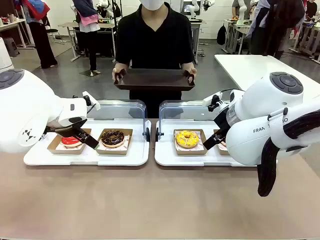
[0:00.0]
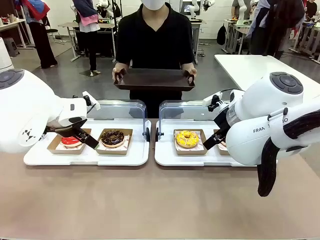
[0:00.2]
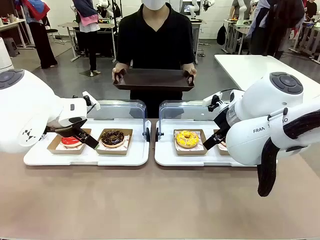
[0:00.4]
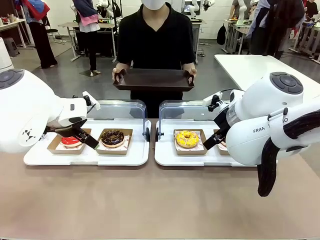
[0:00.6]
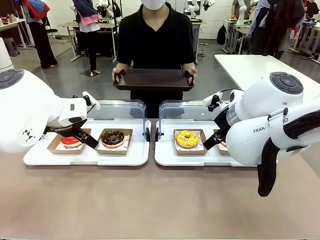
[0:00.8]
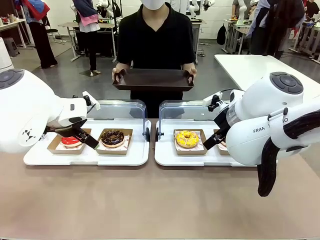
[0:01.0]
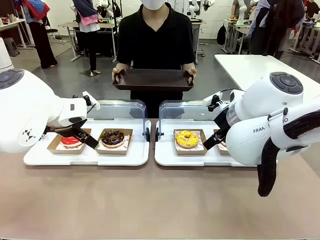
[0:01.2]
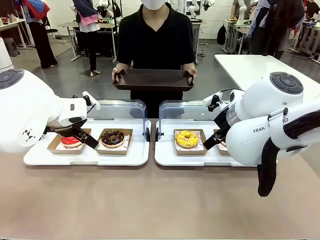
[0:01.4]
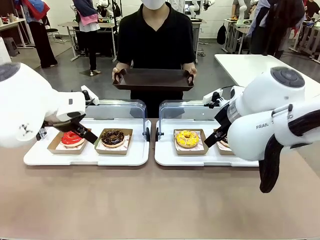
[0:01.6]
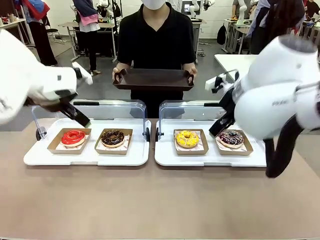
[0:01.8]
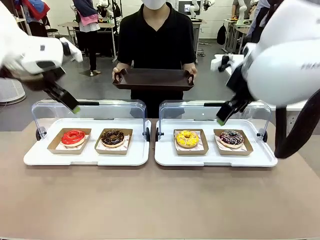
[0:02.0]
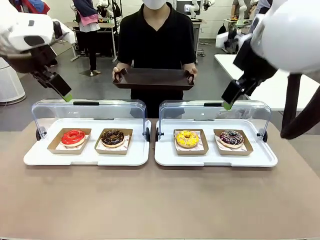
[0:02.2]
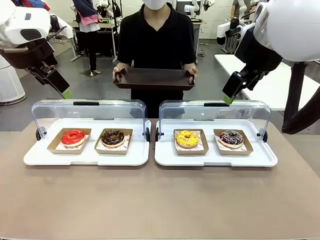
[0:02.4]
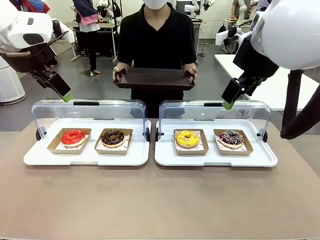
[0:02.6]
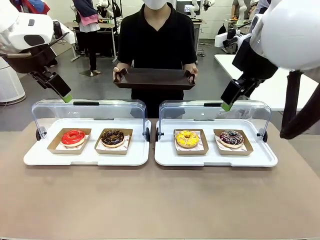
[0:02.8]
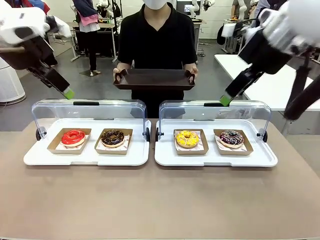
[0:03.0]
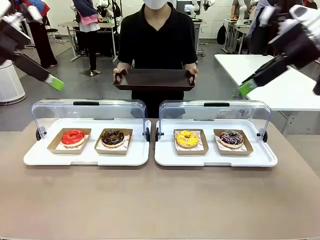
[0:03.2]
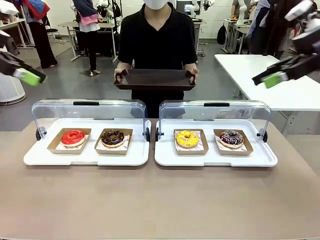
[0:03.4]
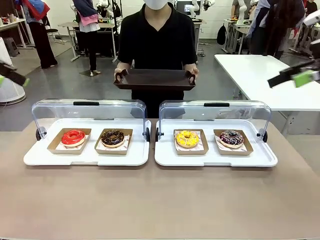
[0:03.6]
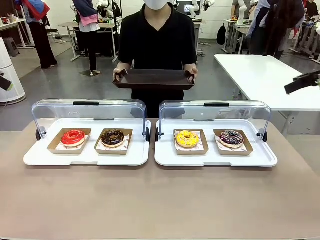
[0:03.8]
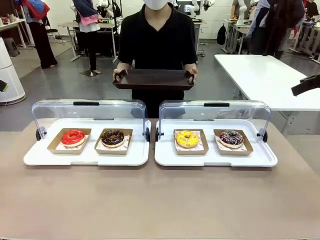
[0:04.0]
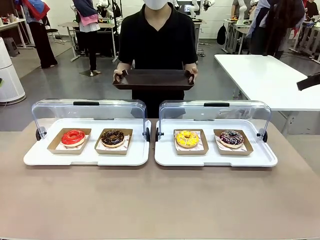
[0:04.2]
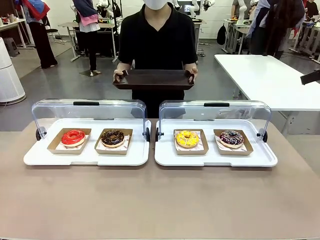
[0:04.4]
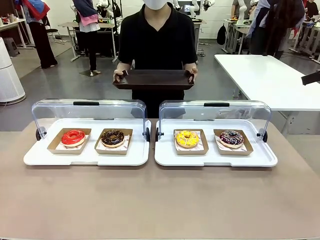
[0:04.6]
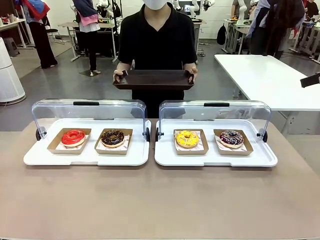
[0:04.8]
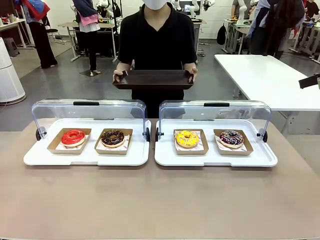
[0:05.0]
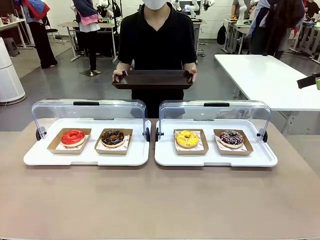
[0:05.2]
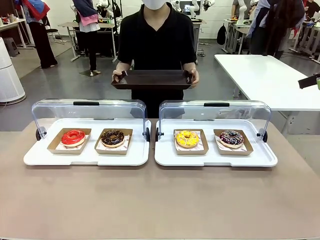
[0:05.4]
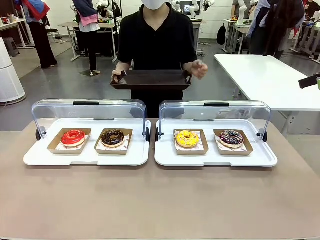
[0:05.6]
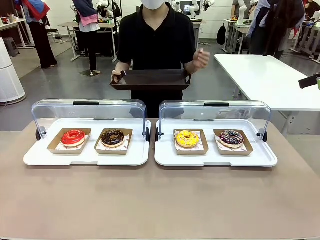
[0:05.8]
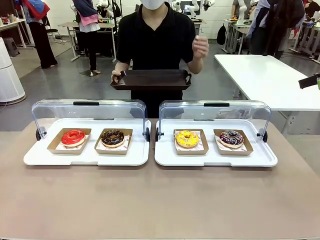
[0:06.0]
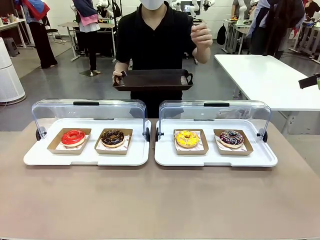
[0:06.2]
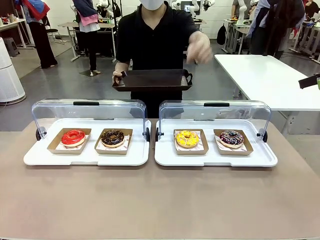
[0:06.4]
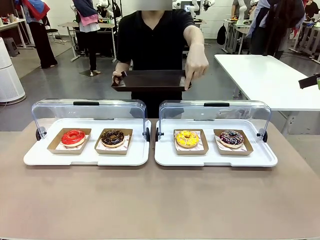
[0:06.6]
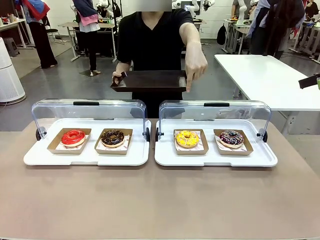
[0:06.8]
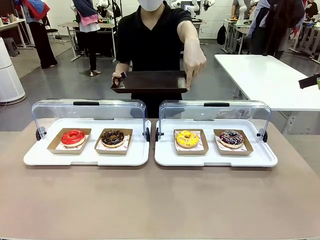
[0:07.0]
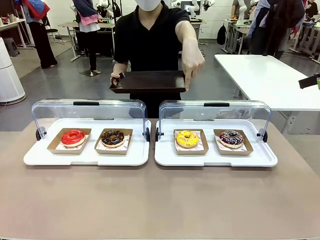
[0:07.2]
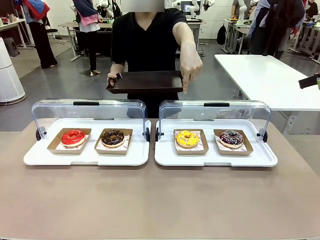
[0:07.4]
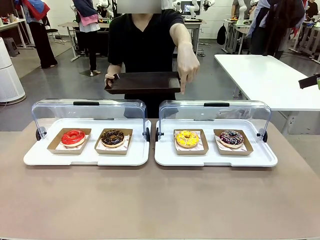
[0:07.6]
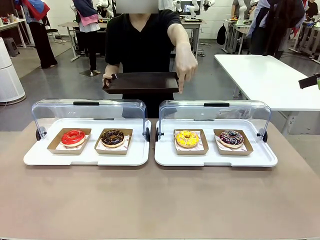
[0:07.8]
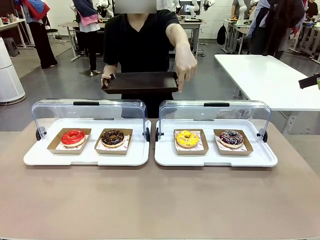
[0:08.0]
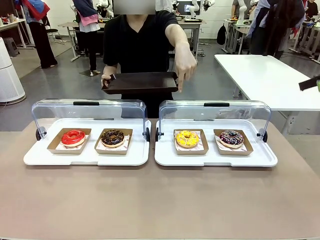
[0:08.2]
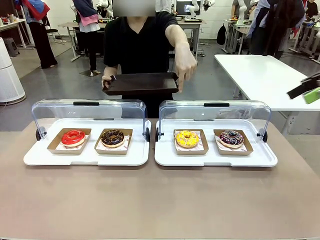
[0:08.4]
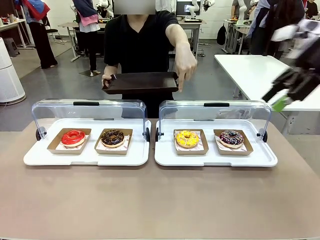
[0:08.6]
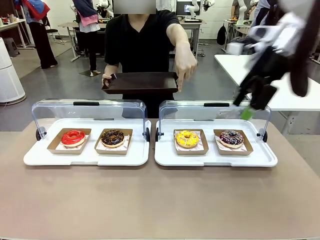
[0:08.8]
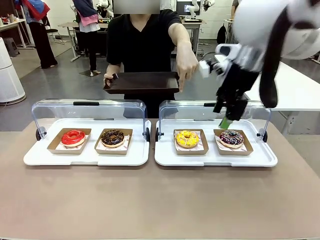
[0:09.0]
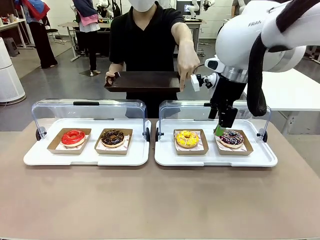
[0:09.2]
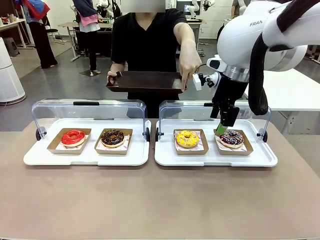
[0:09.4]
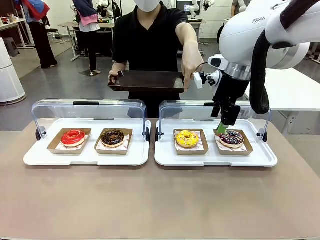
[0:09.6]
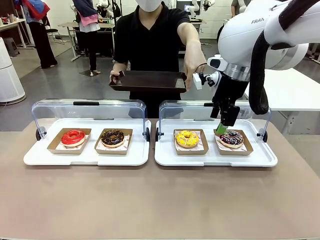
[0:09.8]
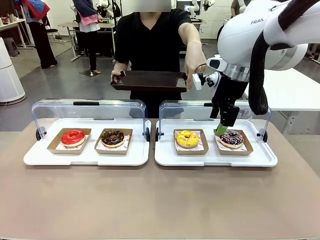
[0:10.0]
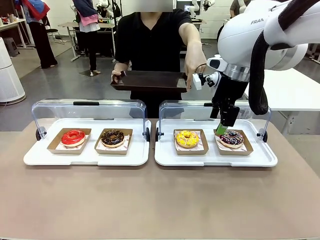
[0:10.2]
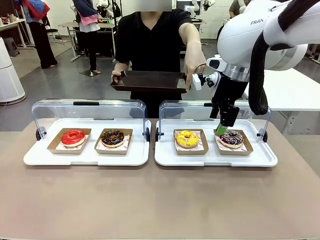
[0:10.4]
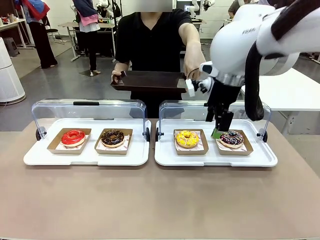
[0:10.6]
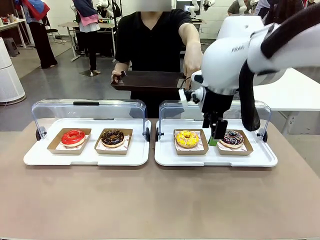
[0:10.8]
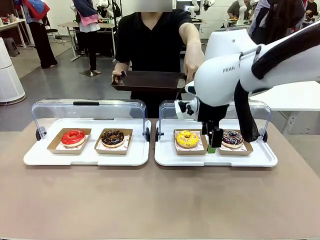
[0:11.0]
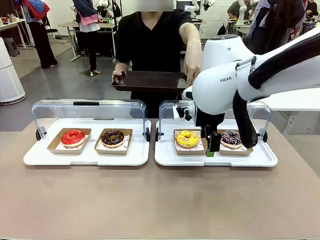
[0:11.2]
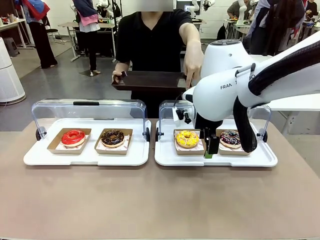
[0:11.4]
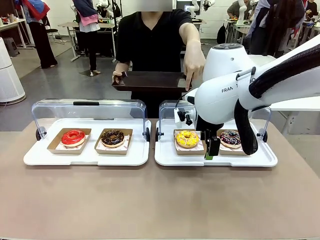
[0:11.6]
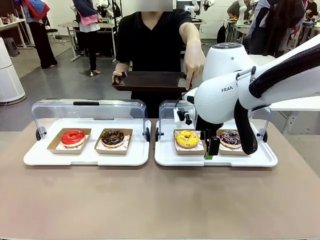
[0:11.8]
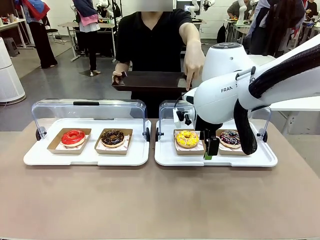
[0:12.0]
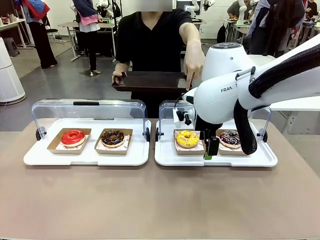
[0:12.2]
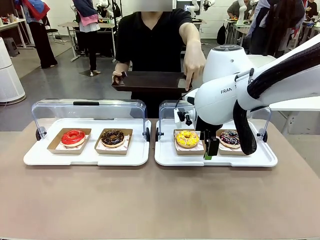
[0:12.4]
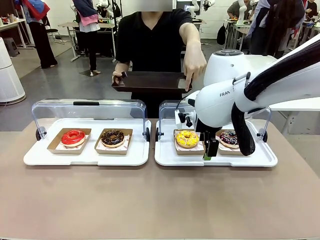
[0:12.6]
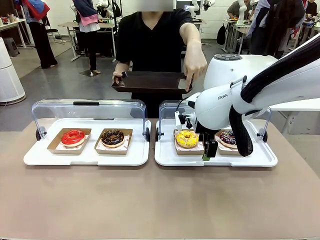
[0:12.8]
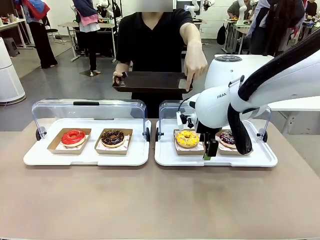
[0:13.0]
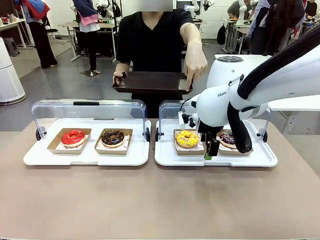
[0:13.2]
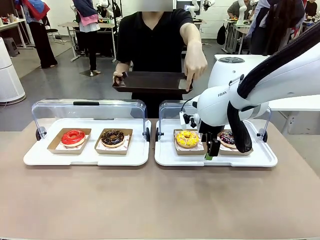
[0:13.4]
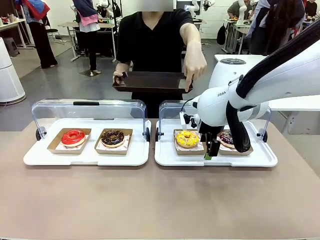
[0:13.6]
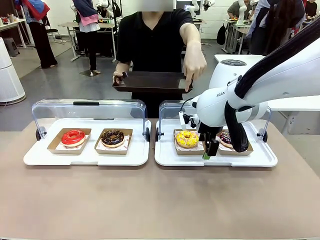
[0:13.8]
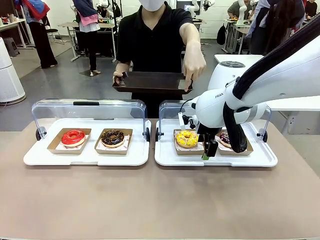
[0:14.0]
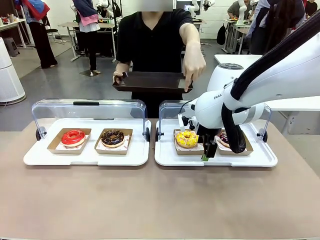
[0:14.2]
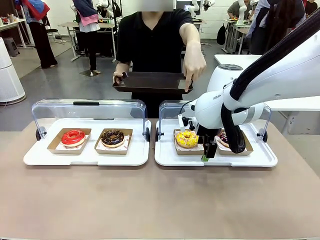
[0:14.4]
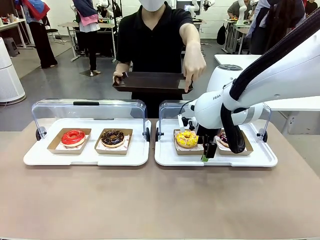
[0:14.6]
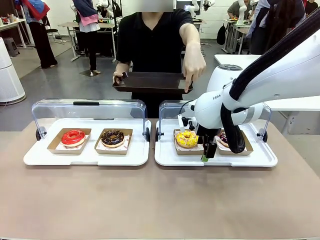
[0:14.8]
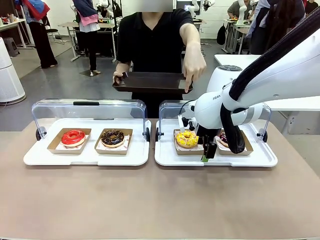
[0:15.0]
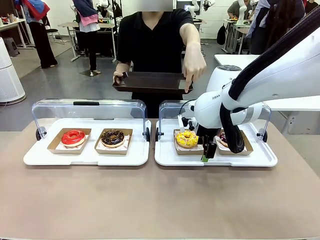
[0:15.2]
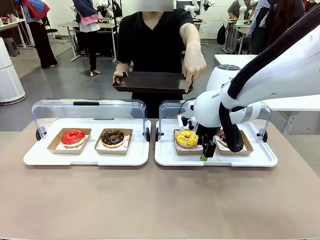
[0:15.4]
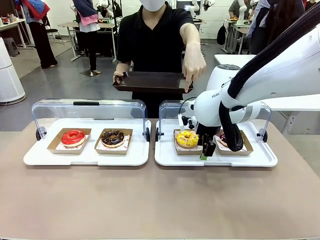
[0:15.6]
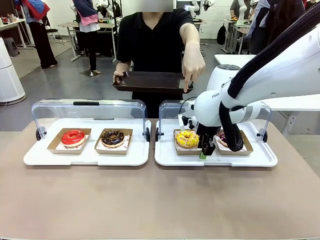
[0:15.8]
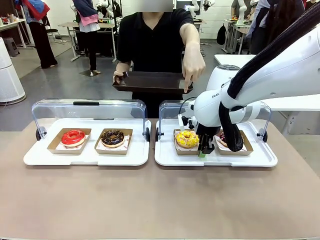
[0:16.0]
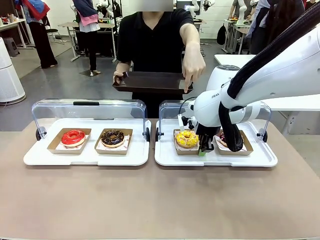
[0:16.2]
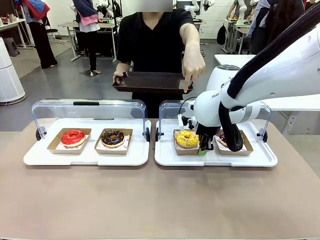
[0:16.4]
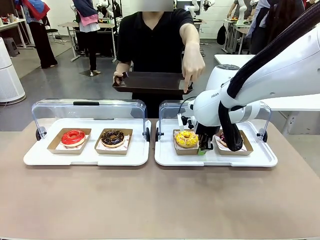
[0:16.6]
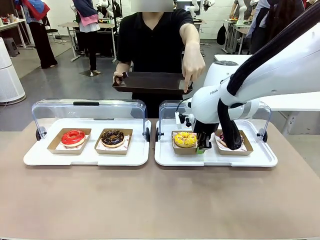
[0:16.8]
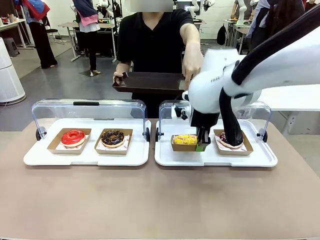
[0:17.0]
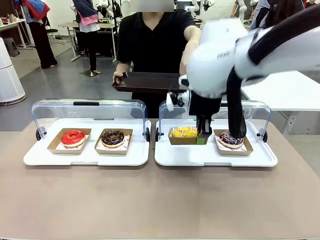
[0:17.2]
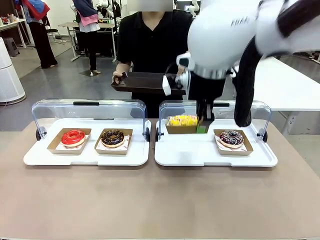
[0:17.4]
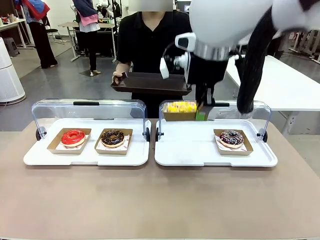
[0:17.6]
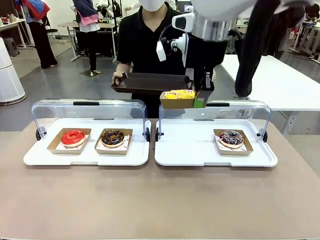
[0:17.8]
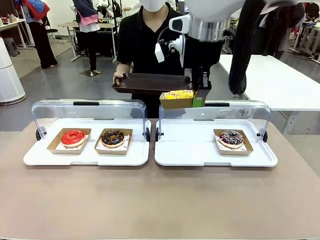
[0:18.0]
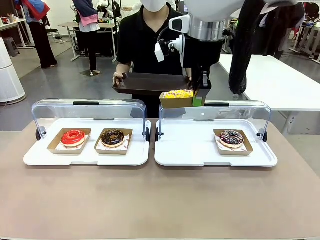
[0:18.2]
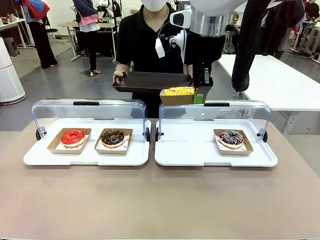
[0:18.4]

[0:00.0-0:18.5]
Task: Provide the desired donut to the person.
Robot: Pick up and lift the Paper togo box containing the Donut pointed at by the person.
Person: Point to one donut. Lift the tray onto the Roll-Top Bakery Case.

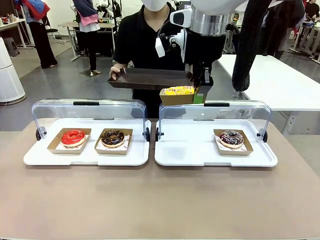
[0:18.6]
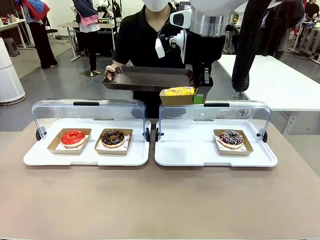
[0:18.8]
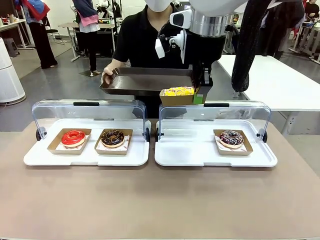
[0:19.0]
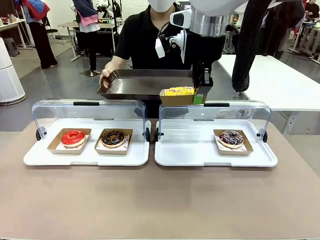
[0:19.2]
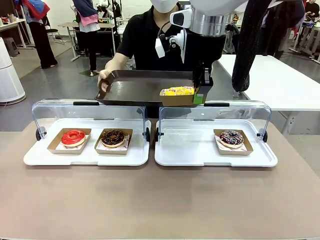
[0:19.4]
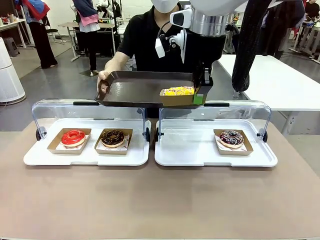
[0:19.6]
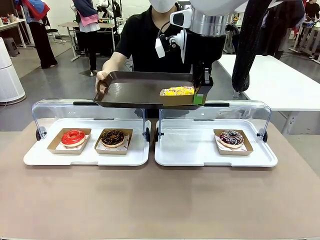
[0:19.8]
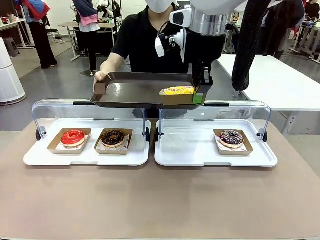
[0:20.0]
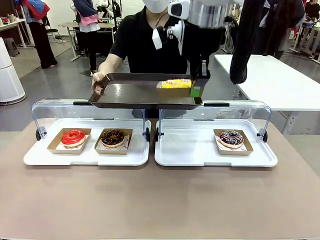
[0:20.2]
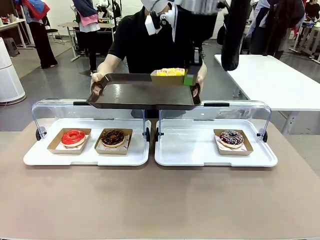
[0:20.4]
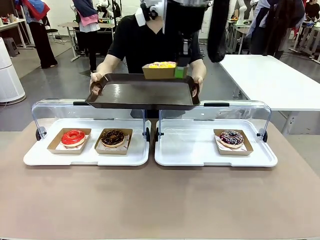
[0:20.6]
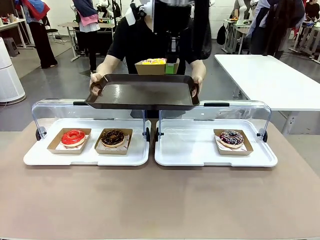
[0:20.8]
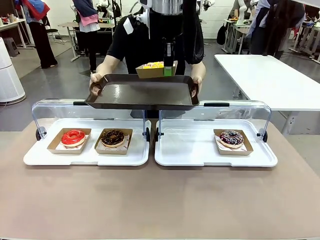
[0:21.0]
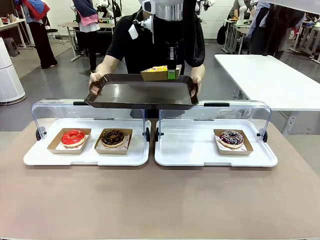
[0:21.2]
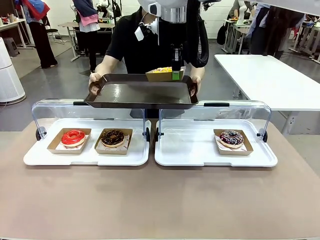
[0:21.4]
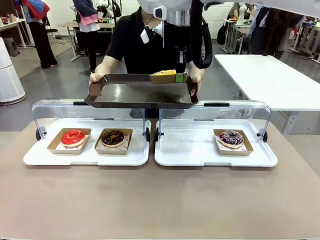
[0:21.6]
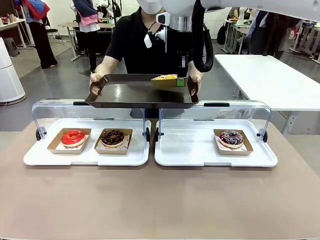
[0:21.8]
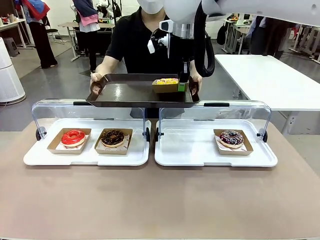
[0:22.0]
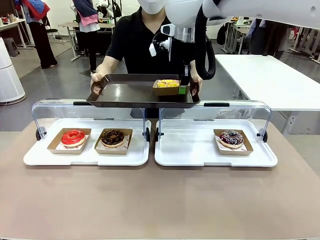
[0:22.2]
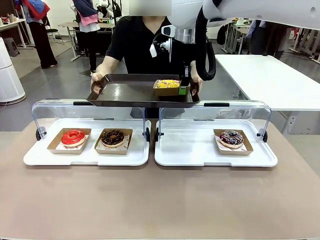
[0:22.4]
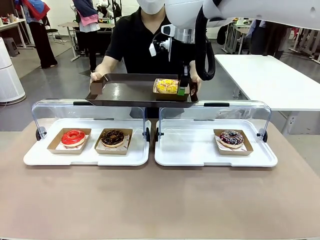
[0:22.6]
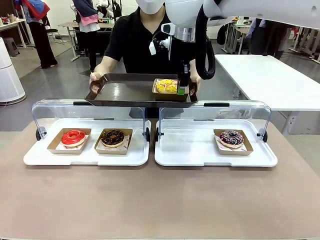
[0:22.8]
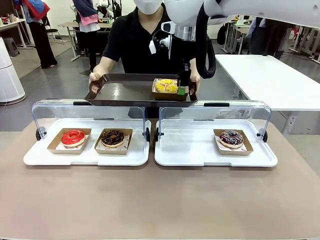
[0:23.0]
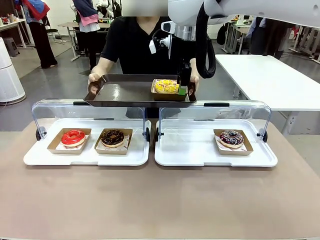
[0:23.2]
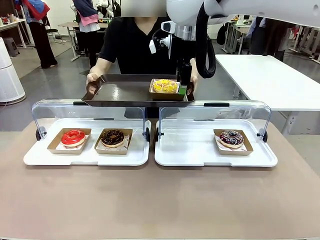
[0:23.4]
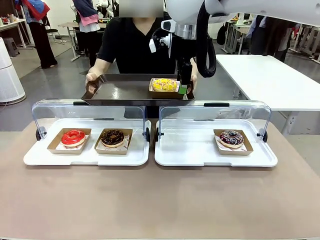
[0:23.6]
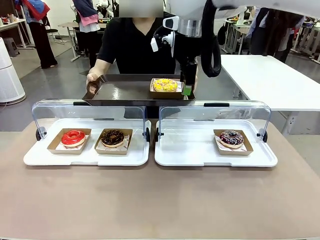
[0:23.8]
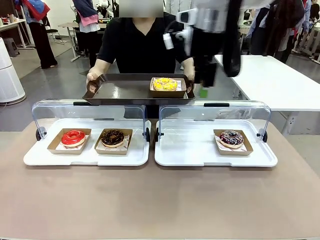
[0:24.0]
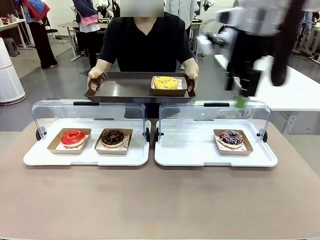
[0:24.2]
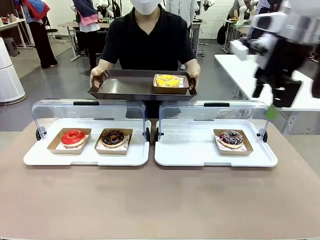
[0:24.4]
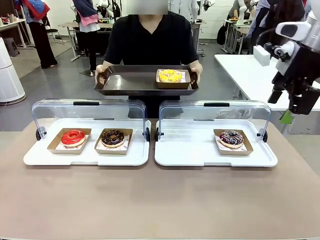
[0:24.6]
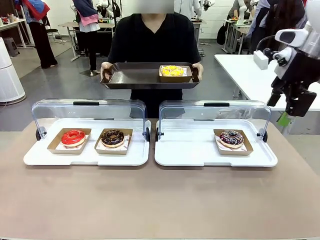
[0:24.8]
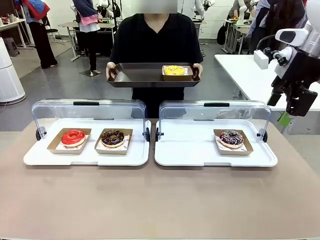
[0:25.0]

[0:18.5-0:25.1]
Robot: Place the picked Paper togo box onto the Handle tray extended by the person.
